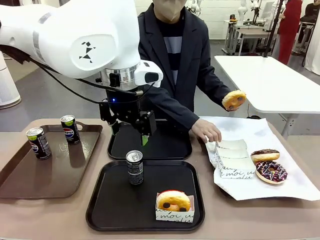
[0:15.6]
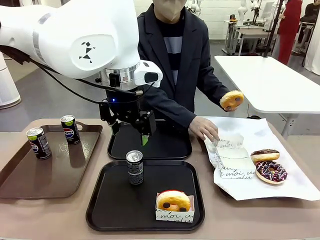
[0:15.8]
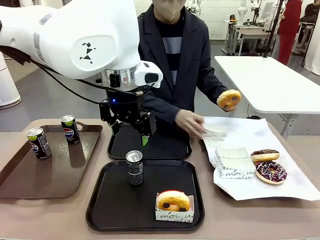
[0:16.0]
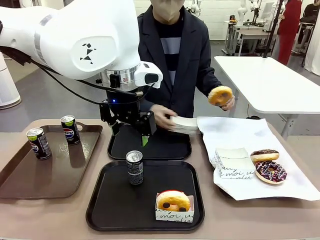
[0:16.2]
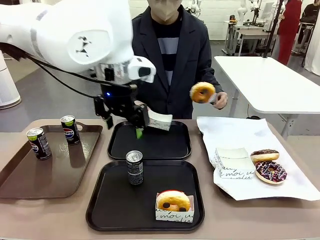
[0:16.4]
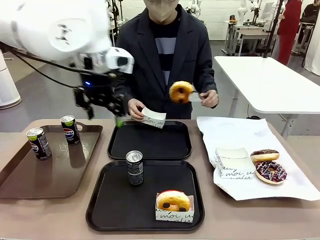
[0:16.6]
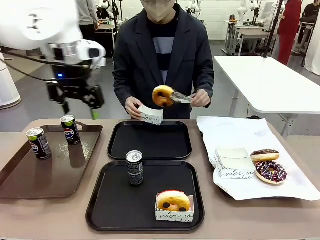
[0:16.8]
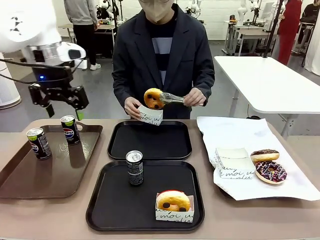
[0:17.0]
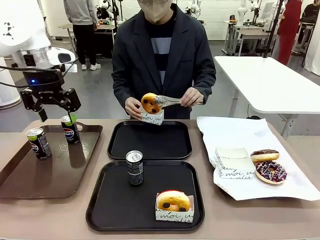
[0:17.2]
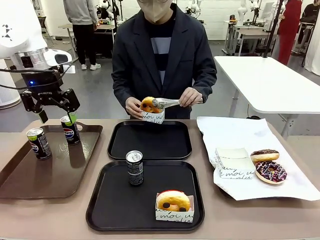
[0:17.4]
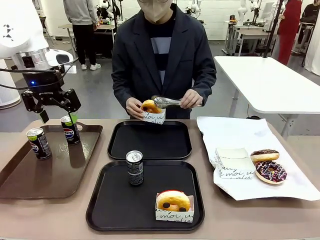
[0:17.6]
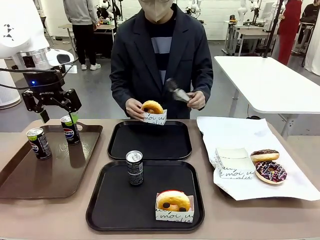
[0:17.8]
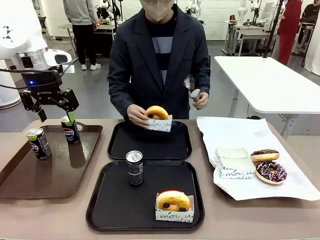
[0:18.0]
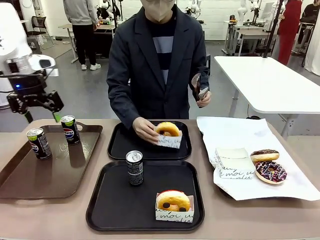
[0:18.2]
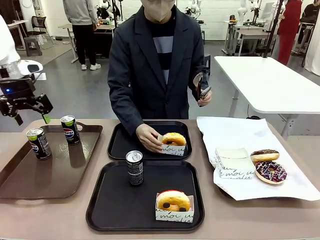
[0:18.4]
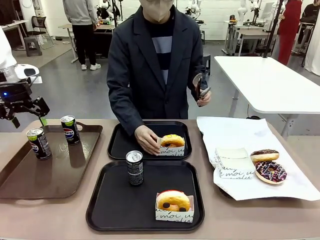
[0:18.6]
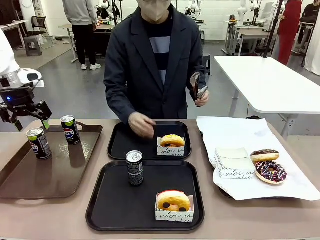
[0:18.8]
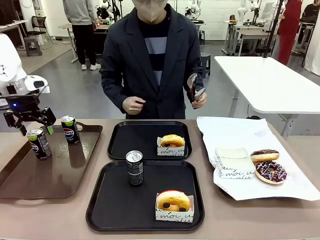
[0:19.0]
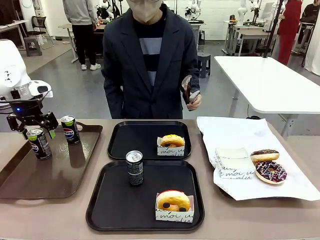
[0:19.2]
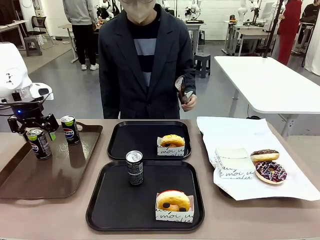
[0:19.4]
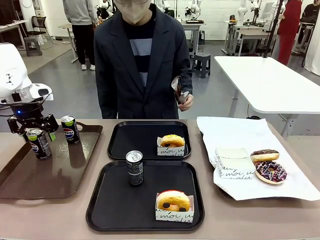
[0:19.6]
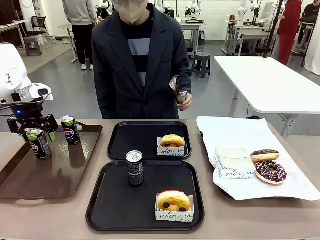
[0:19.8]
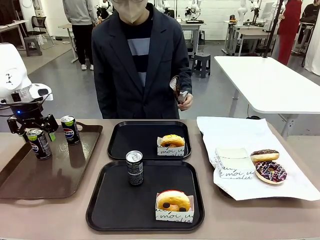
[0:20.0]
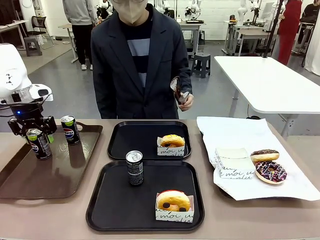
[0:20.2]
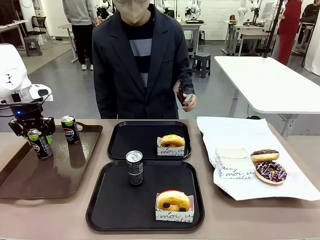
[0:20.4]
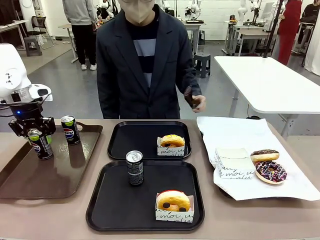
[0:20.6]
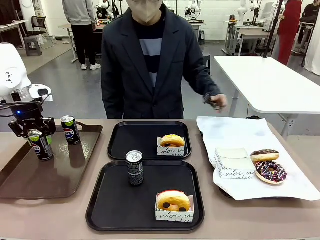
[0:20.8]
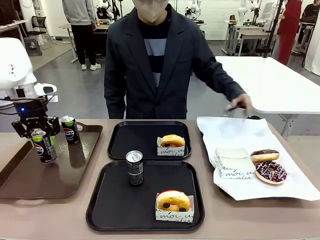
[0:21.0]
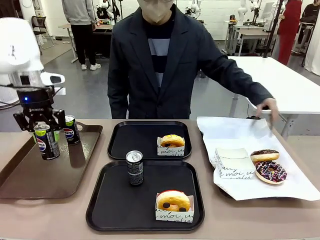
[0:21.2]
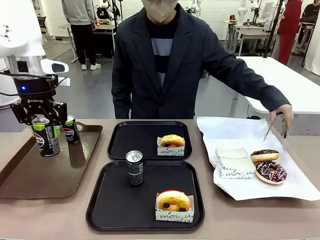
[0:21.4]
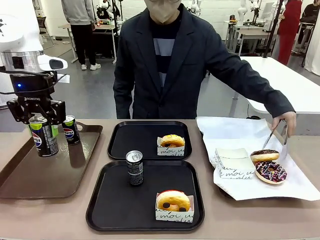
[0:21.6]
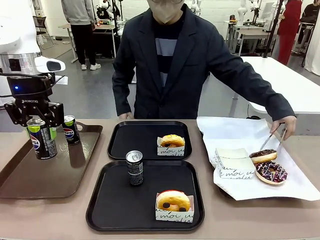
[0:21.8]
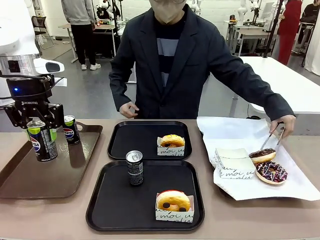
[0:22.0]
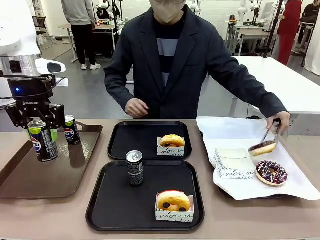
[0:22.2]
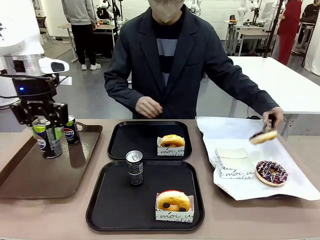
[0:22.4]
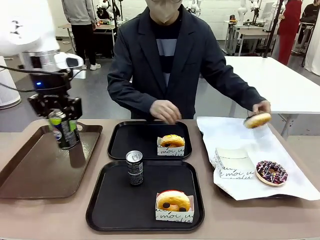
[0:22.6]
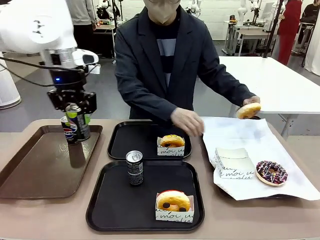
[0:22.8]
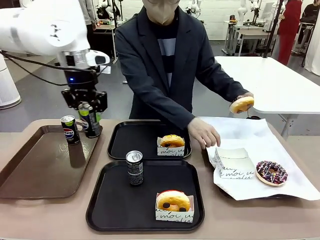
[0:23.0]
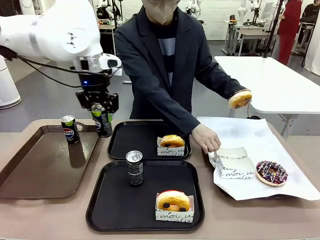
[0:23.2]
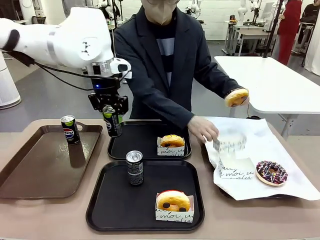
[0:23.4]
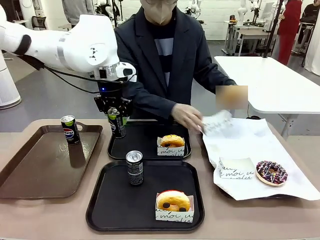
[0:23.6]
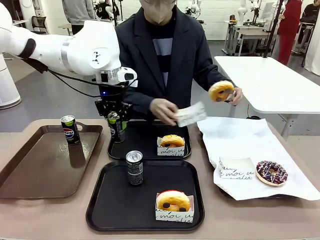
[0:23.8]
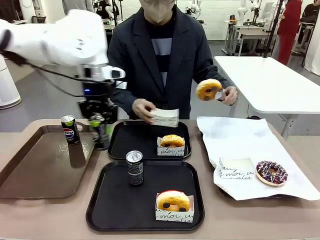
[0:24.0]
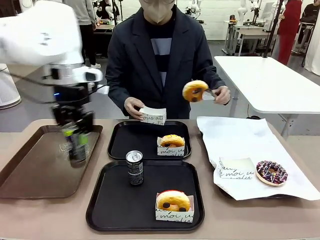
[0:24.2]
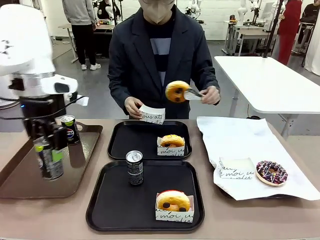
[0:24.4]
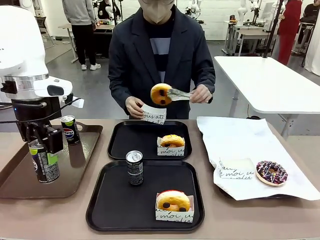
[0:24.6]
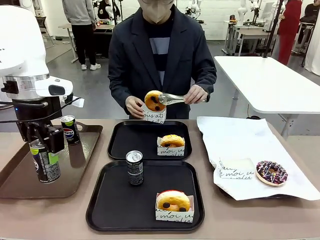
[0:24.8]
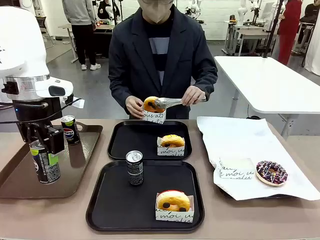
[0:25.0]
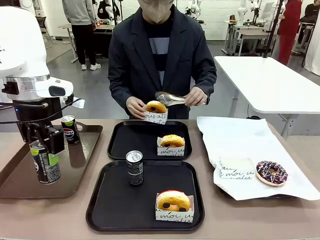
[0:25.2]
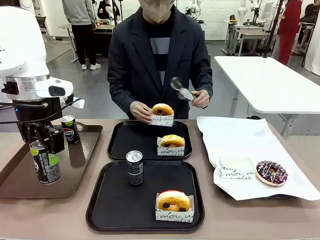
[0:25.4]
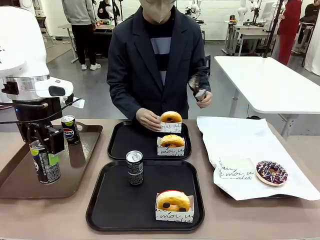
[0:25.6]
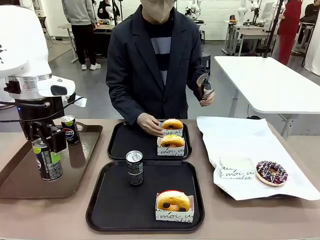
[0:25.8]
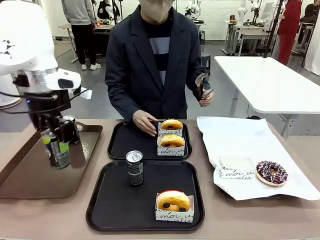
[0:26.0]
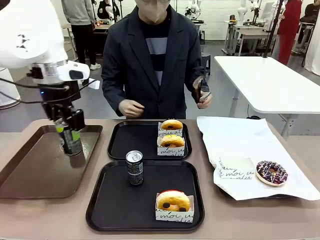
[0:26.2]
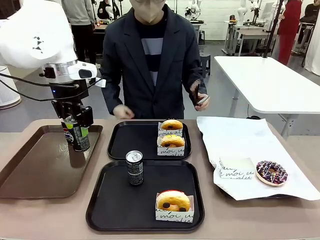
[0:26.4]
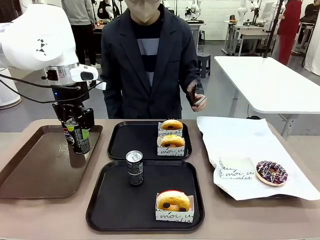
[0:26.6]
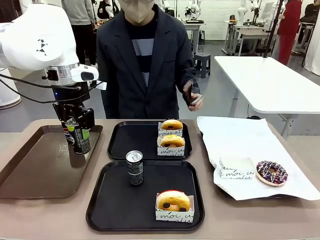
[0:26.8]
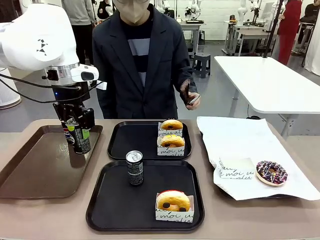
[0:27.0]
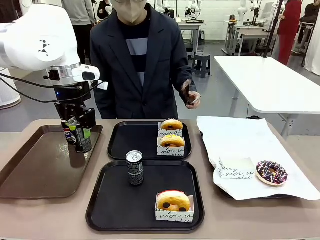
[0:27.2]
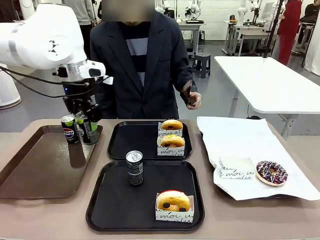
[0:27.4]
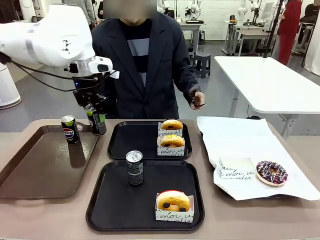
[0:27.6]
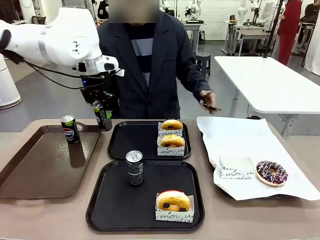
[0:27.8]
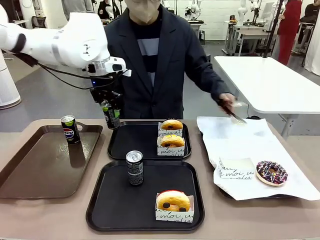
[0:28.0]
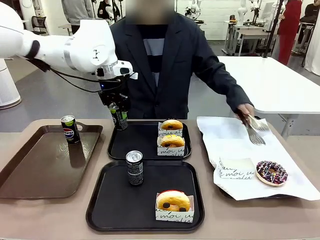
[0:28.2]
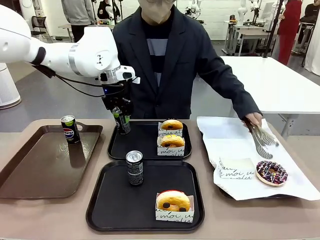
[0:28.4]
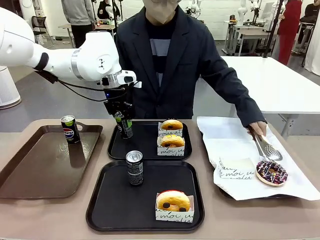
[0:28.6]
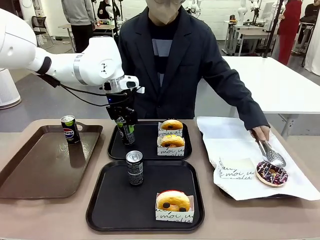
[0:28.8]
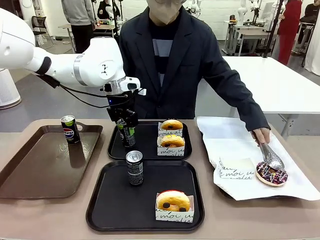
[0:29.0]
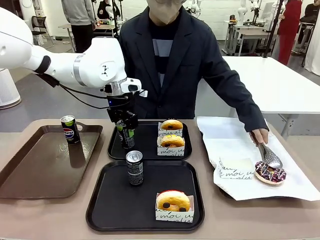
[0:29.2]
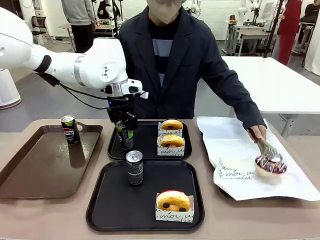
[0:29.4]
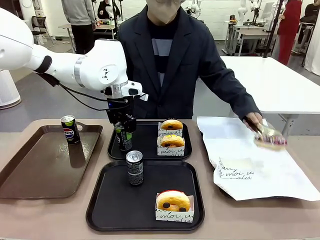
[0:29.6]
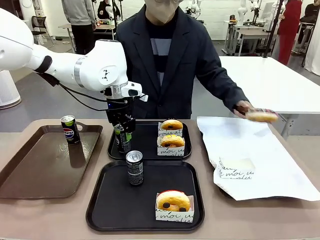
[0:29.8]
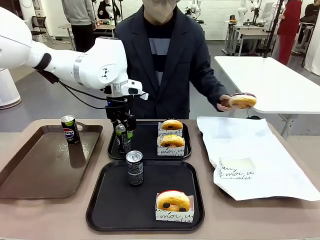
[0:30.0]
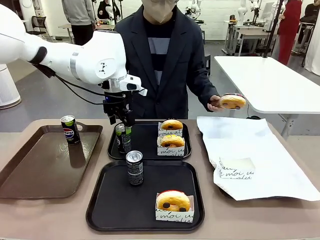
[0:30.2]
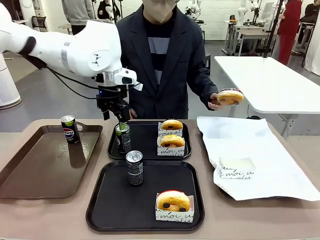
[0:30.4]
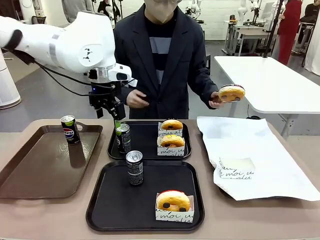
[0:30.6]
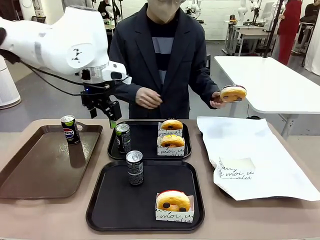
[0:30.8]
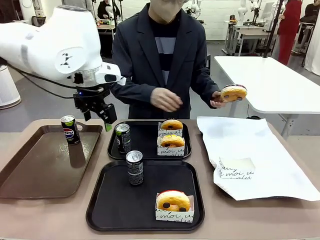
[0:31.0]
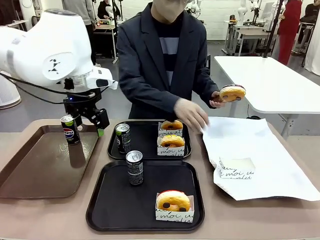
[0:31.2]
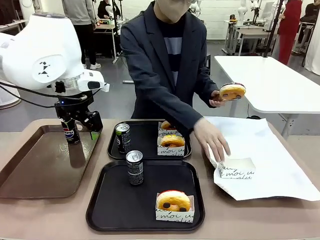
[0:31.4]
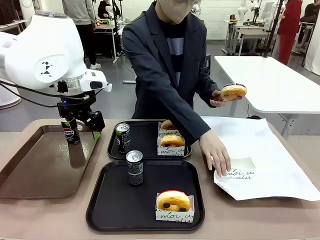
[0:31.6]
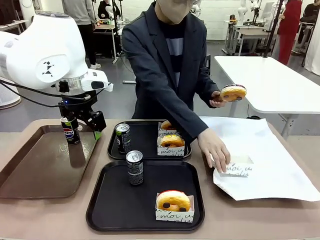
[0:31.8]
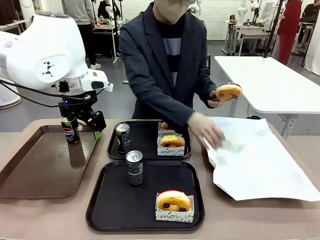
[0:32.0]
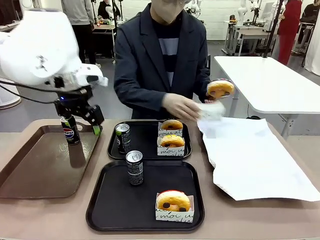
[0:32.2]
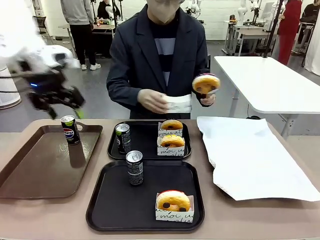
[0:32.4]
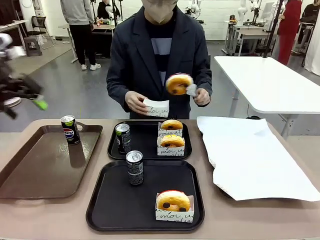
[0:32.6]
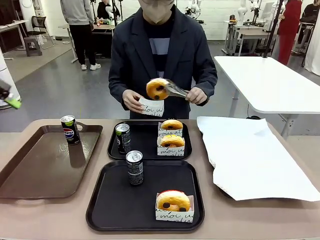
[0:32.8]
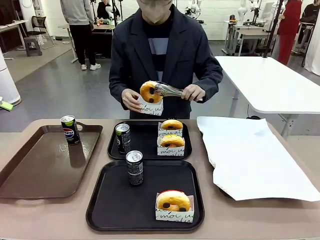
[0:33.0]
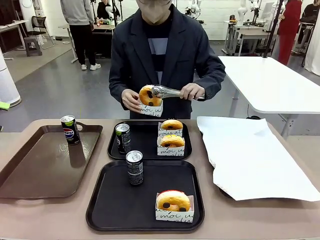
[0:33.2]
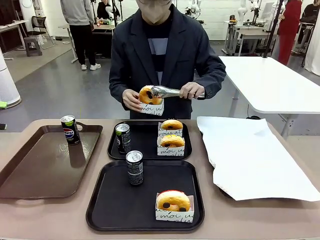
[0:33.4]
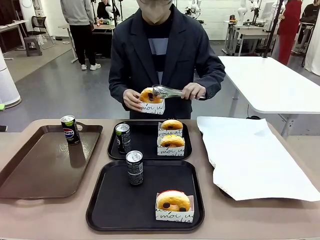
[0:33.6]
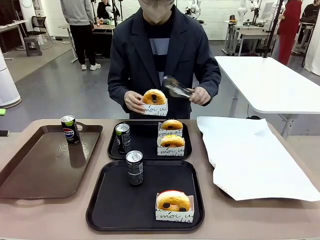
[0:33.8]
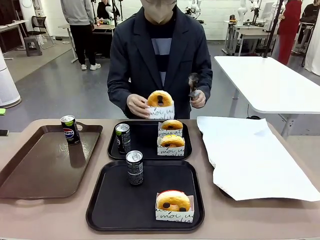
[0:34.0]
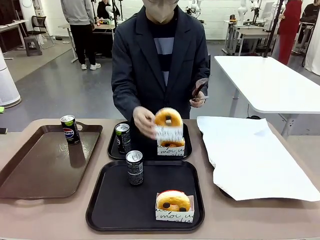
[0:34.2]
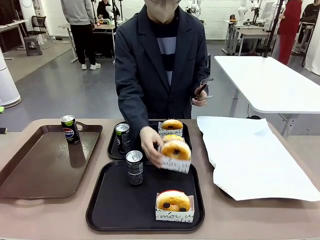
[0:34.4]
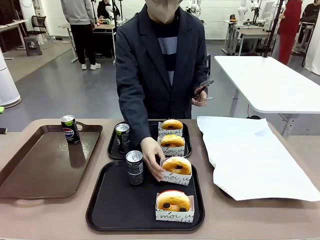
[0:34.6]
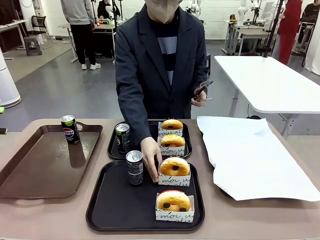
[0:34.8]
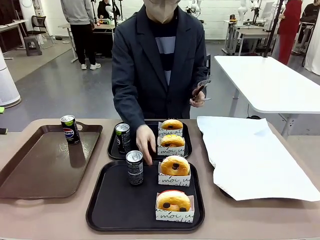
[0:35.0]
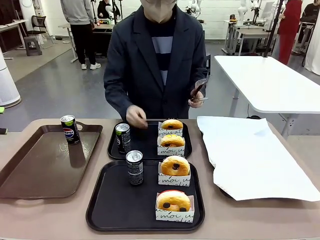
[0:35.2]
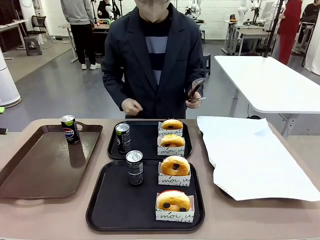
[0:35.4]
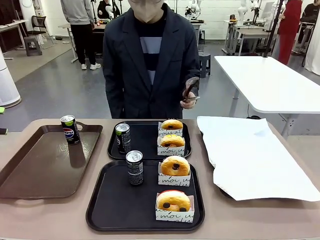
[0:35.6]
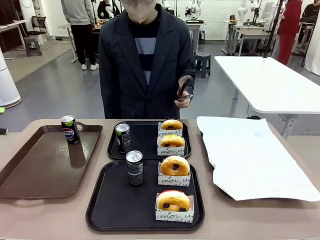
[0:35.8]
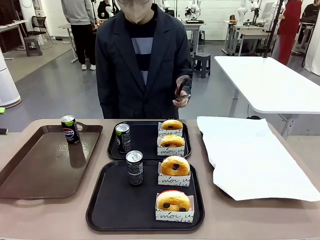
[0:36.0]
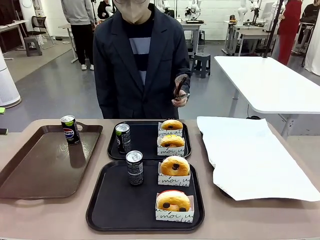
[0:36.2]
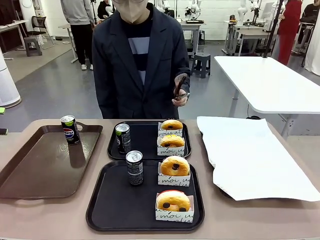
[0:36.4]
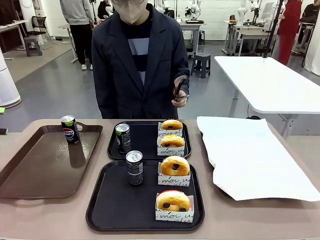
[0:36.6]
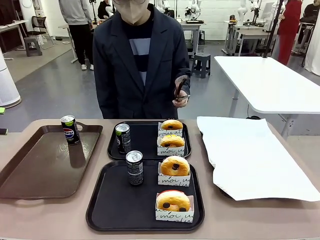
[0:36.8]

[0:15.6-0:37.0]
Task: Set up donuts and drinks on trays.
Robot: Pick up one Pepsi coke from the Handle tray and place it on the Flat Tray without a Pepsi coke.
Person: Pick up one donut with tongs, place it in the donut tray, and then place the donut tray on the flat tray.
